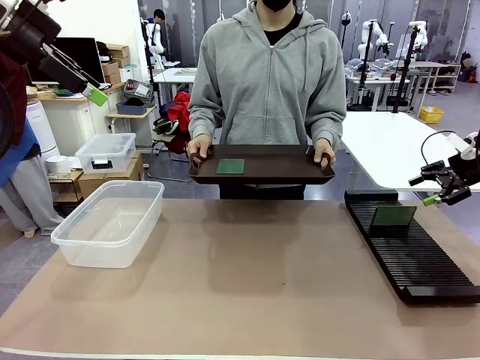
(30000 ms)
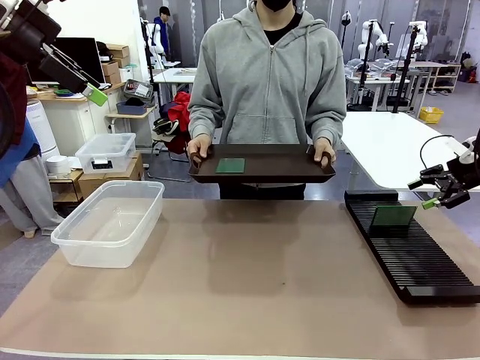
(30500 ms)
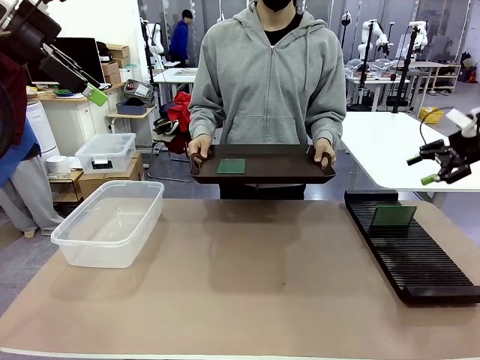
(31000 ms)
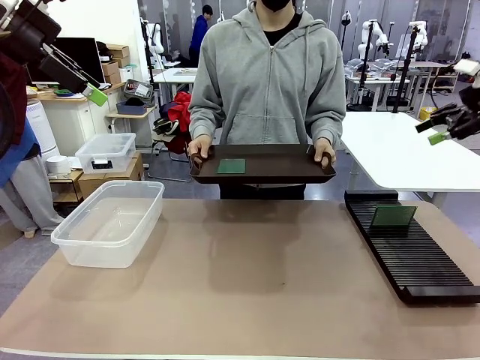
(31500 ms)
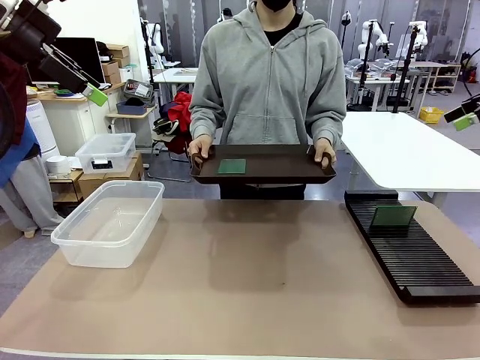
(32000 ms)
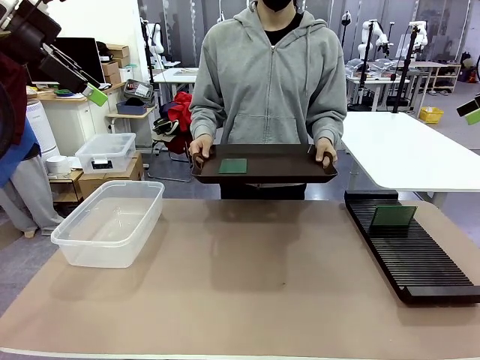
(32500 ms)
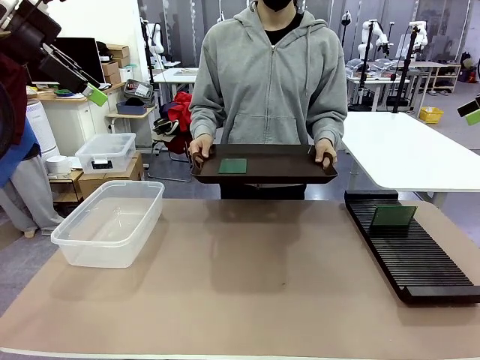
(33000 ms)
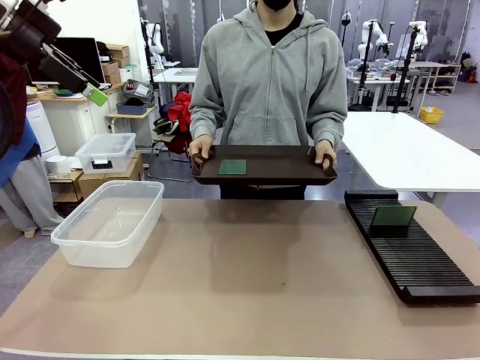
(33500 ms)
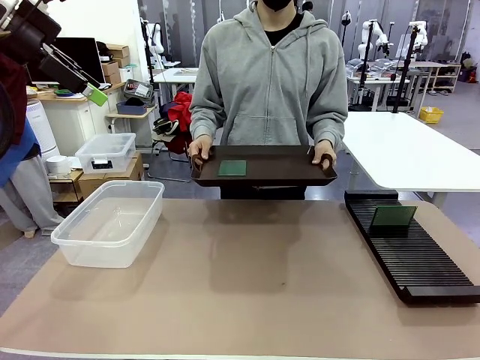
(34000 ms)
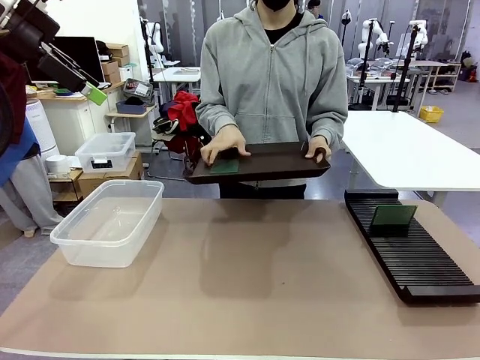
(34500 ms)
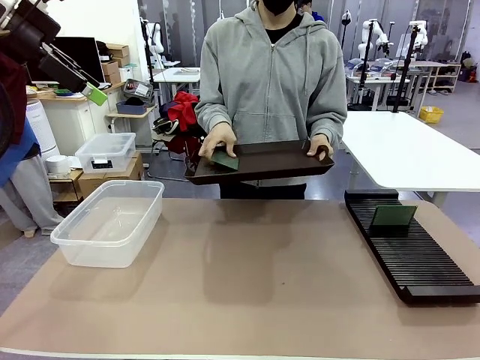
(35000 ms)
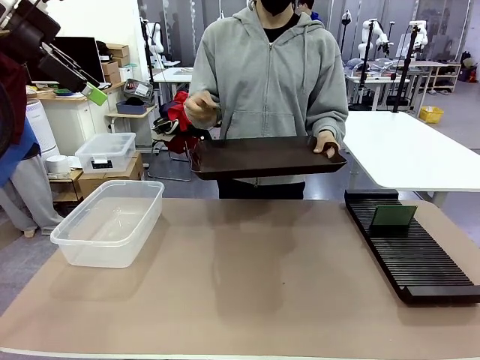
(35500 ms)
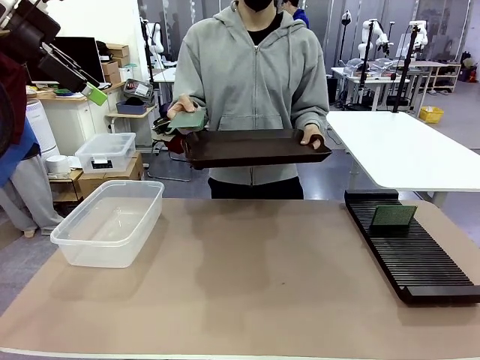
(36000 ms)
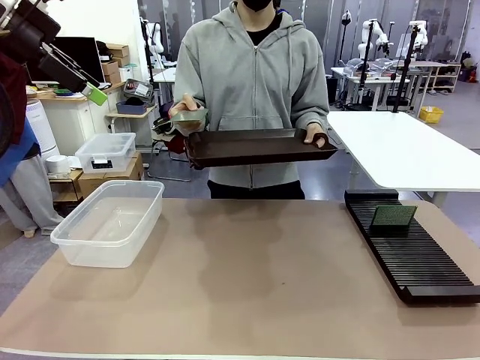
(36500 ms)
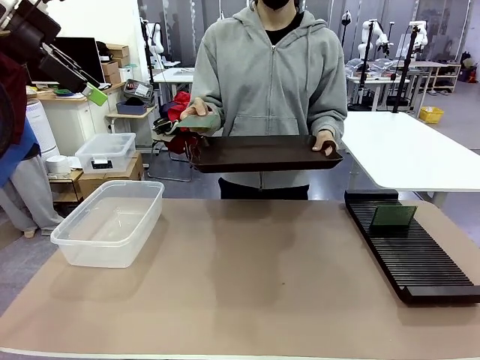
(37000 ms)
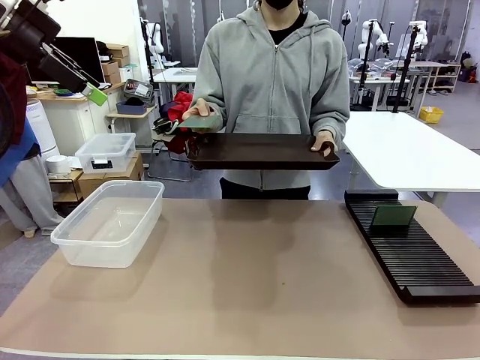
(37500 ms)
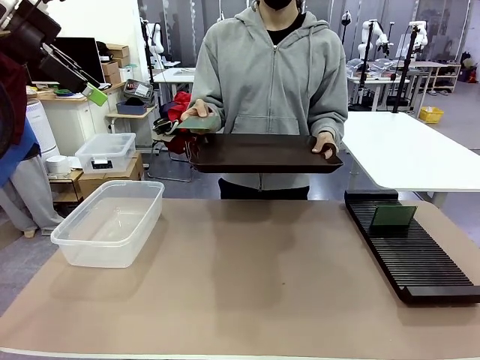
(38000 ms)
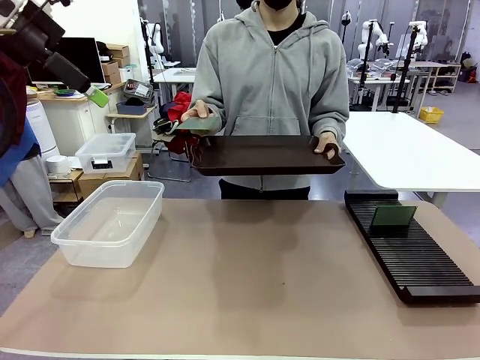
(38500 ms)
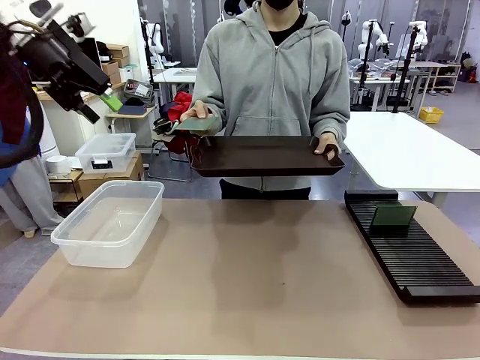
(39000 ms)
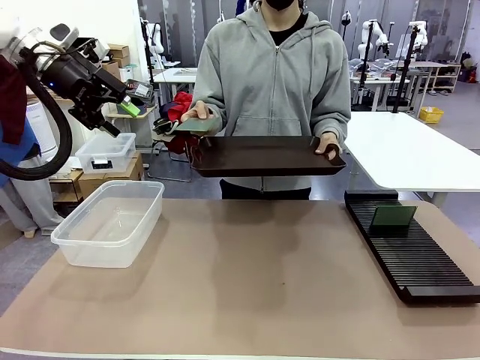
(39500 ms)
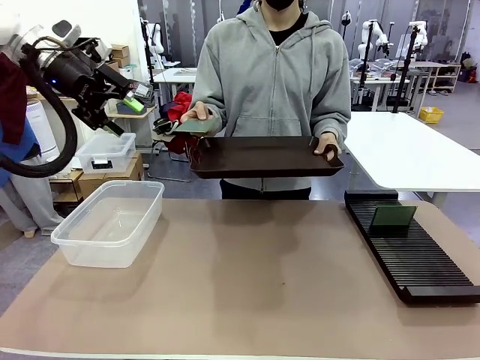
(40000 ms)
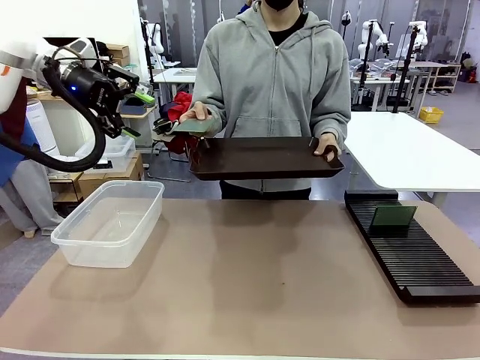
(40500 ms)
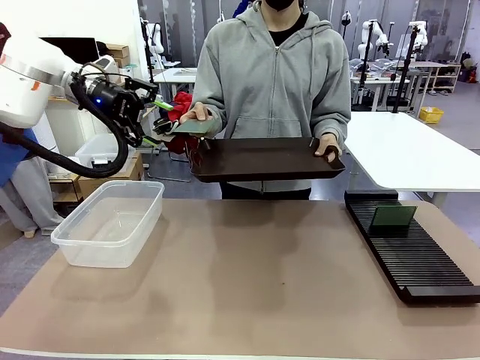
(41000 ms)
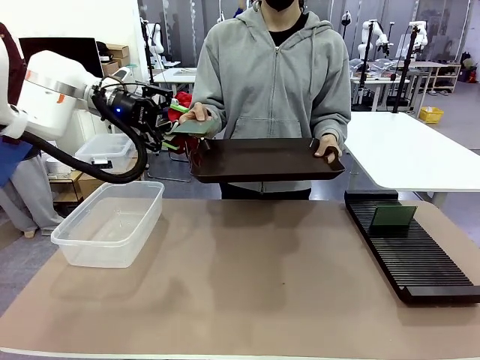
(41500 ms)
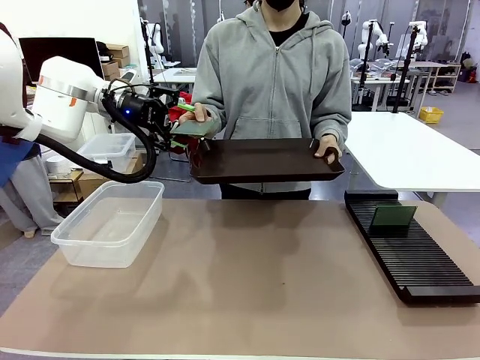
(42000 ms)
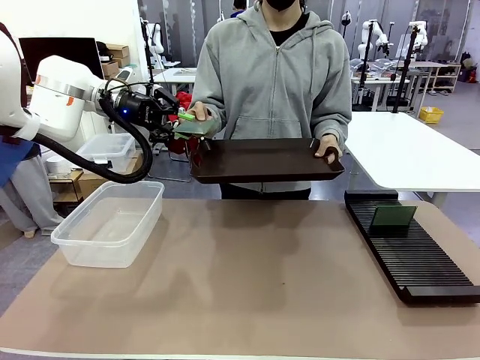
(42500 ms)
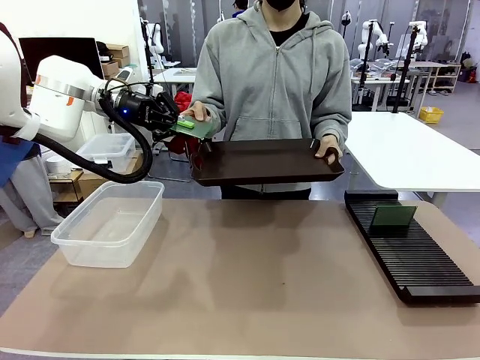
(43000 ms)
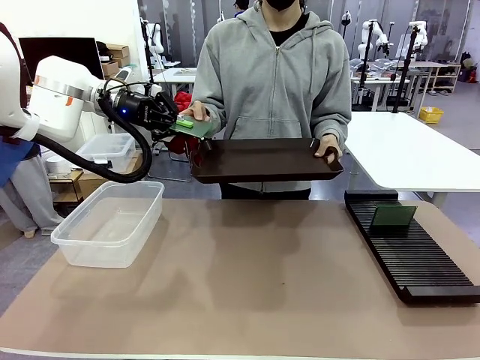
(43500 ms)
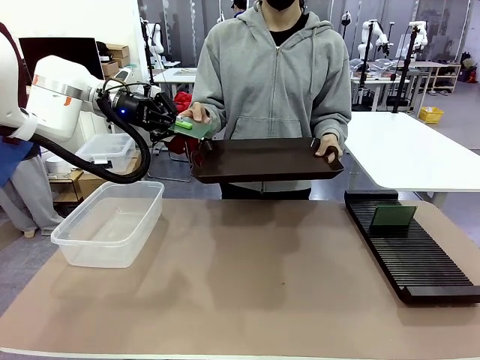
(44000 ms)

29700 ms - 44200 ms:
Task: Sort PCBs into racks and boxes based on the side picked up.
Robot: Pick up the Blank PCB handed by the Human.

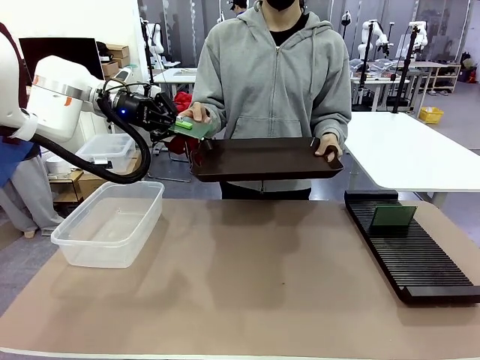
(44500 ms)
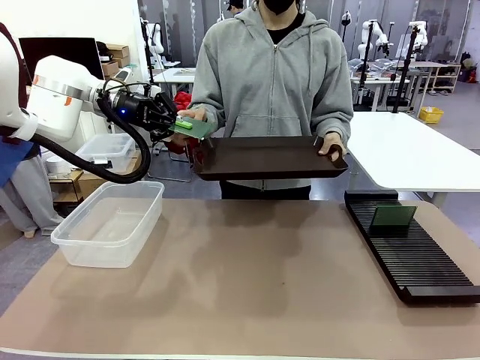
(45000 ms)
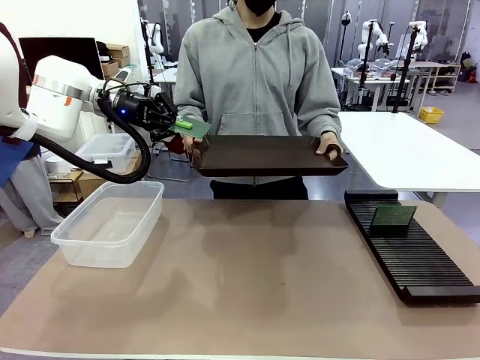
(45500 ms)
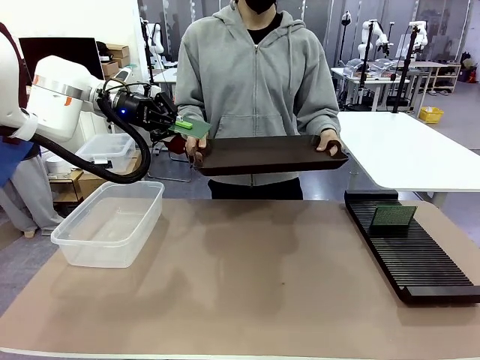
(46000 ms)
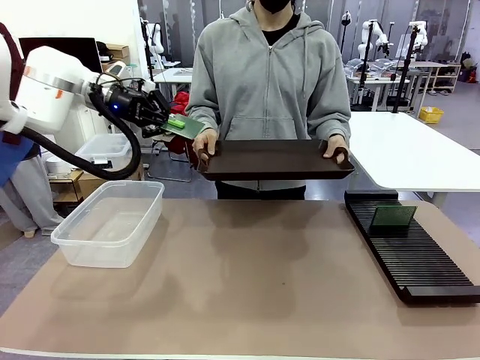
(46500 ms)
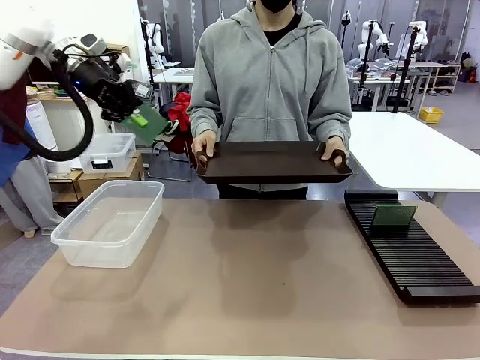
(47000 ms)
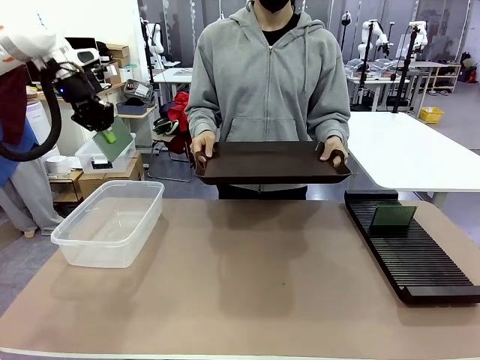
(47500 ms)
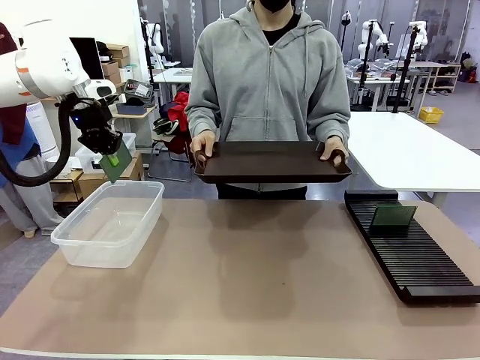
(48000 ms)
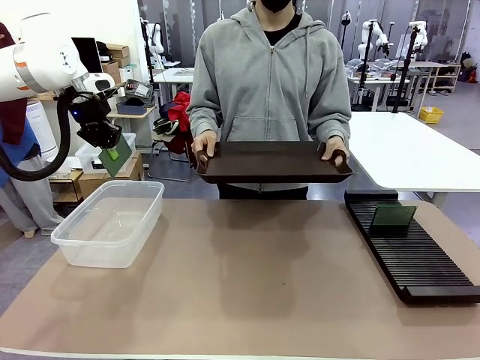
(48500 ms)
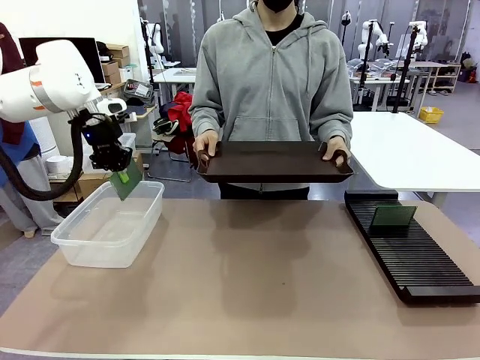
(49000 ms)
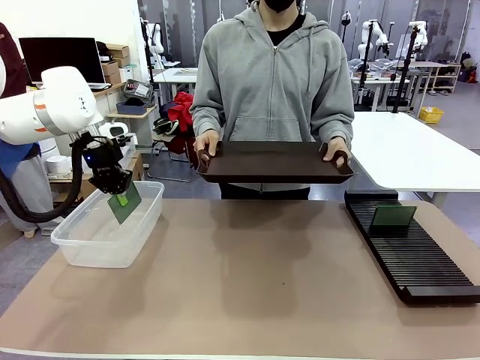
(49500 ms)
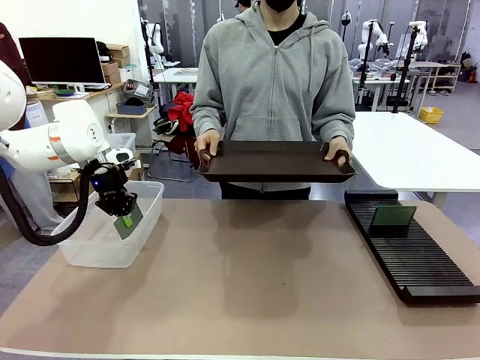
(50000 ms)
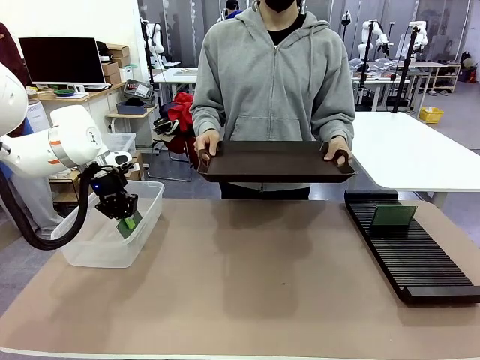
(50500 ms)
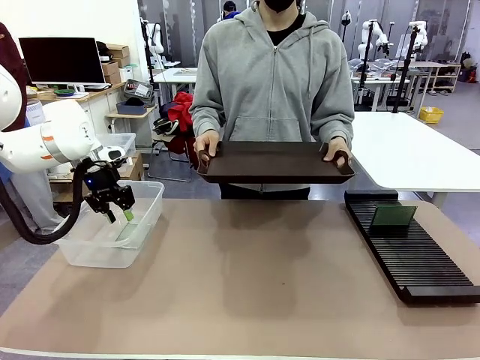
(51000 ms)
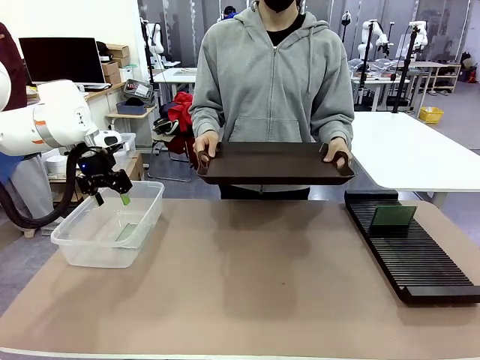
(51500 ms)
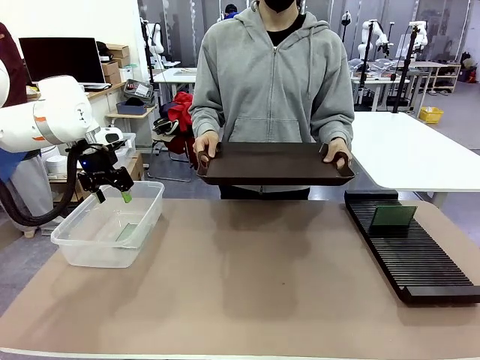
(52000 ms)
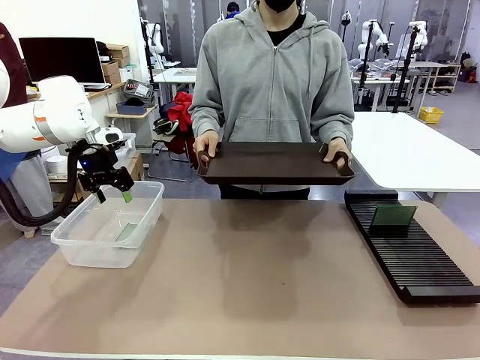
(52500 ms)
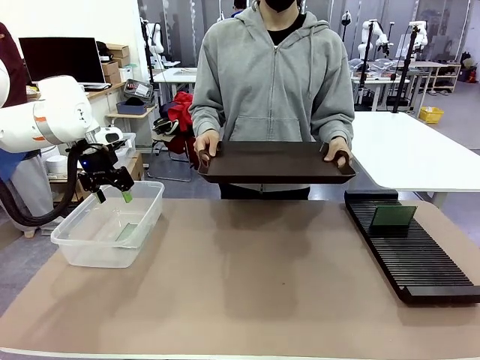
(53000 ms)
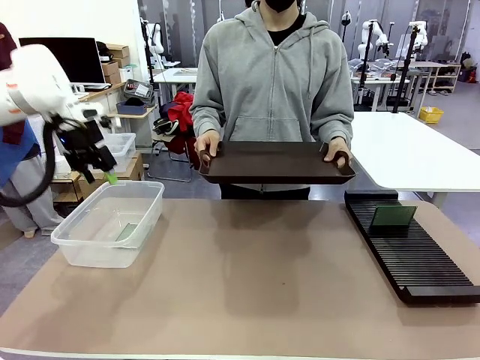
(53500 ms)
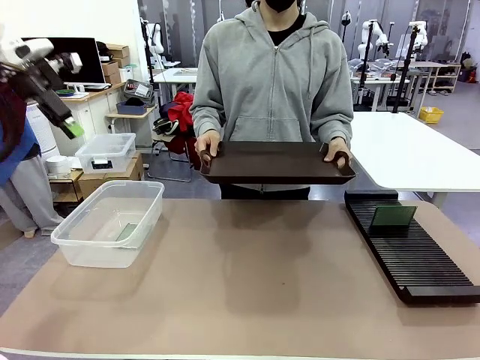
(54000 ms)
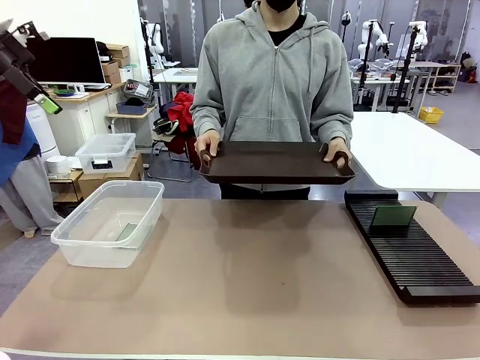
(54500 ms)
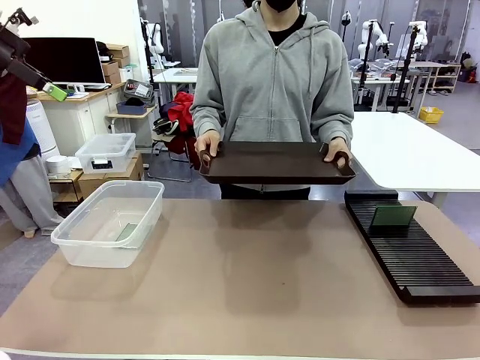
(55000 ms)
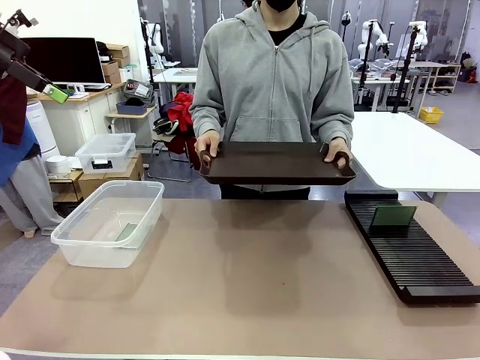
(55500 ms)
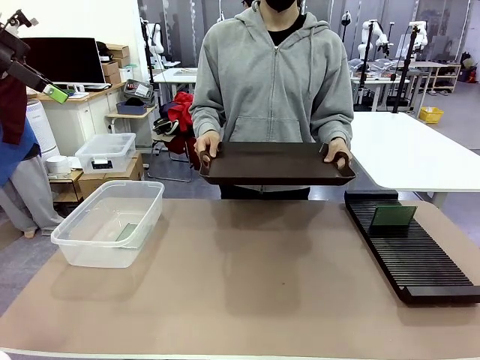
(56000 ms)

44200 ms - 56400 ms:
Robot: If the short side of the Blank PCB is picked up, insert it into the PCB Rack ; if the long side is picked up, place it in the Organizing box.
Person: Release the PCB being held.
